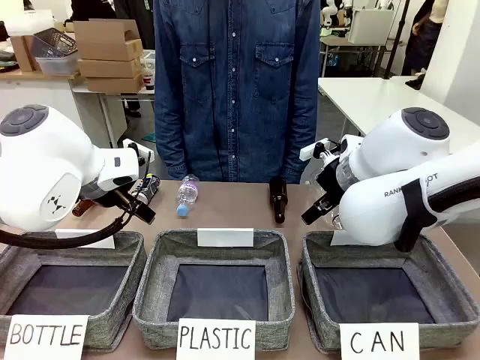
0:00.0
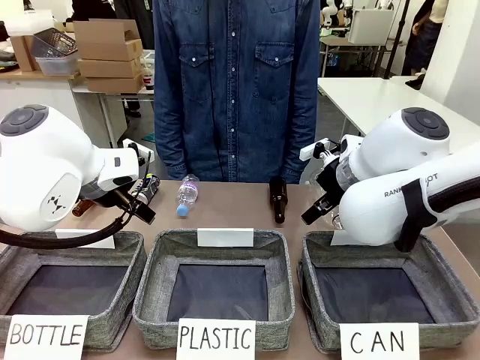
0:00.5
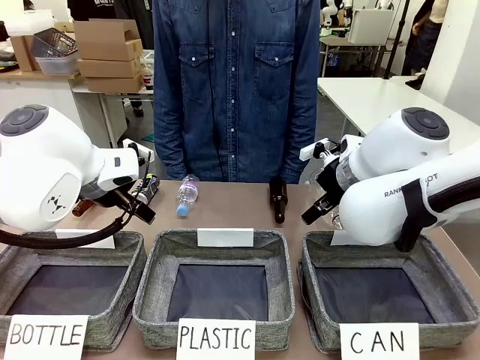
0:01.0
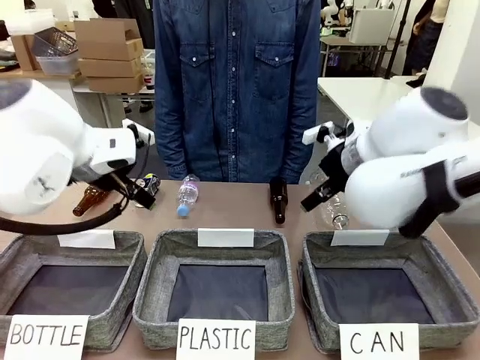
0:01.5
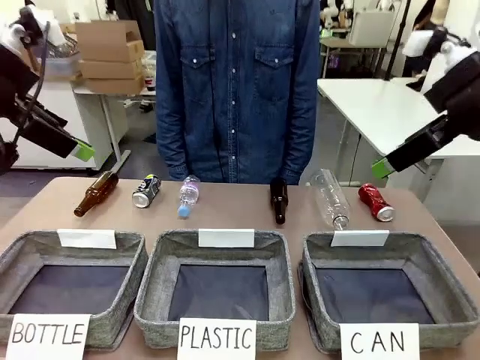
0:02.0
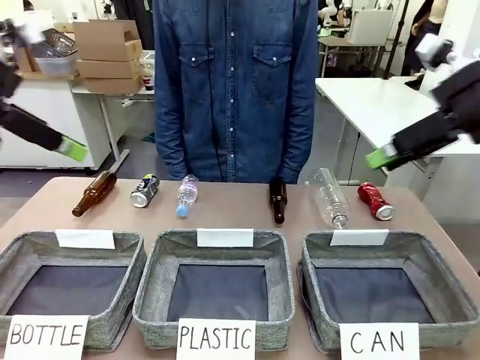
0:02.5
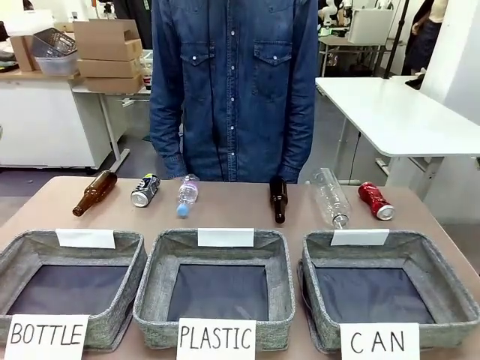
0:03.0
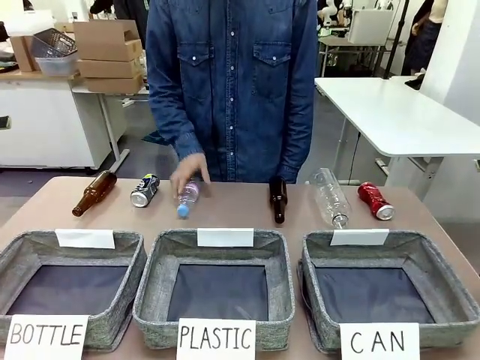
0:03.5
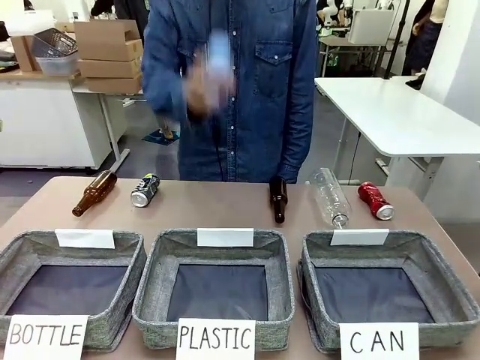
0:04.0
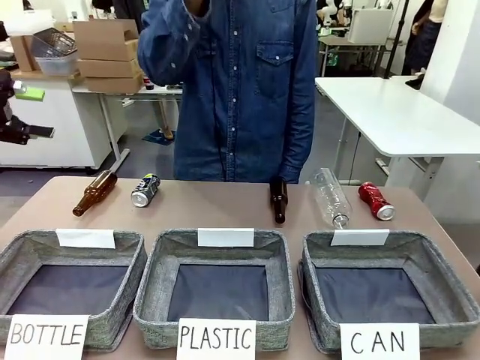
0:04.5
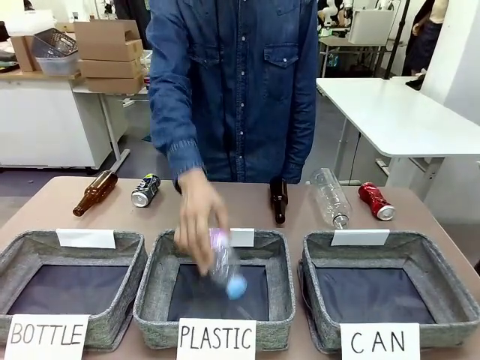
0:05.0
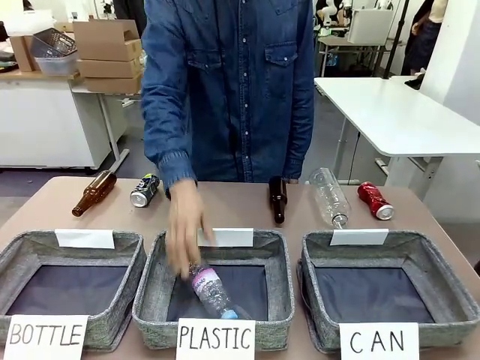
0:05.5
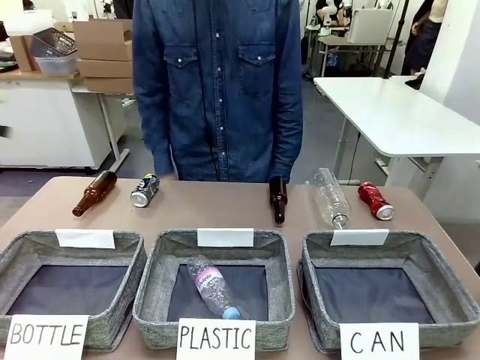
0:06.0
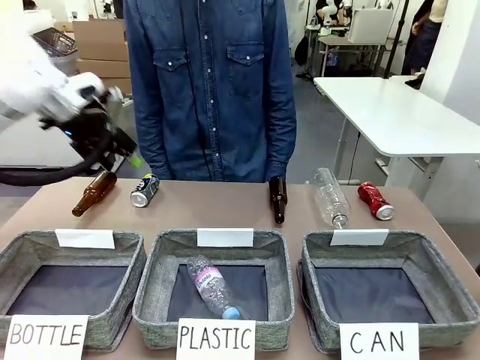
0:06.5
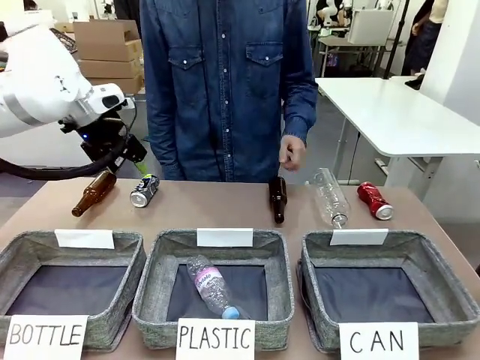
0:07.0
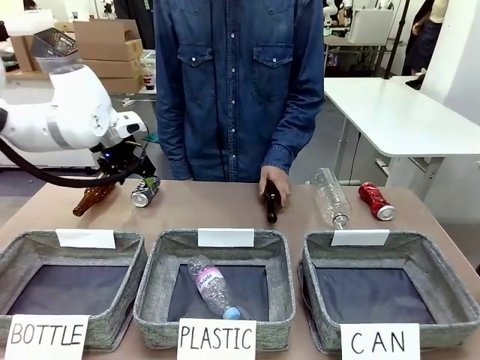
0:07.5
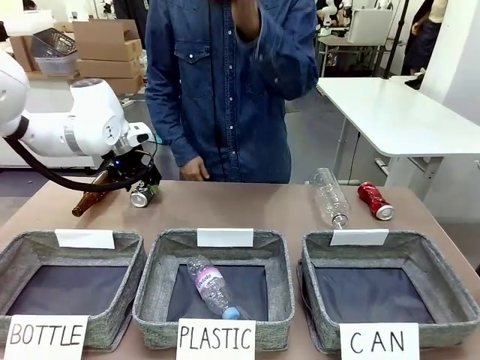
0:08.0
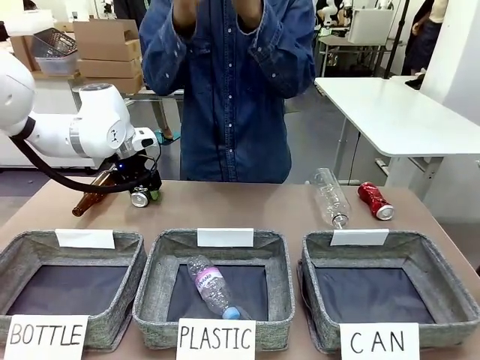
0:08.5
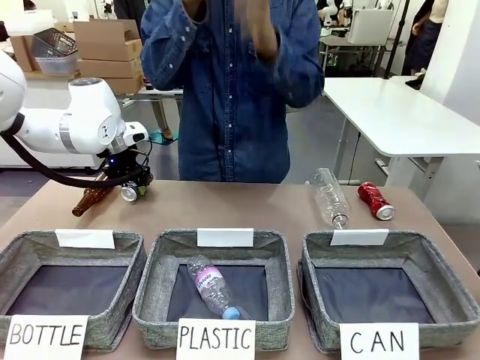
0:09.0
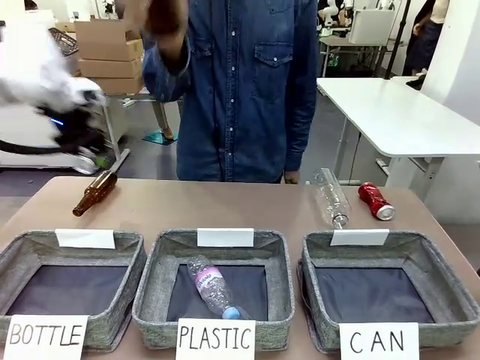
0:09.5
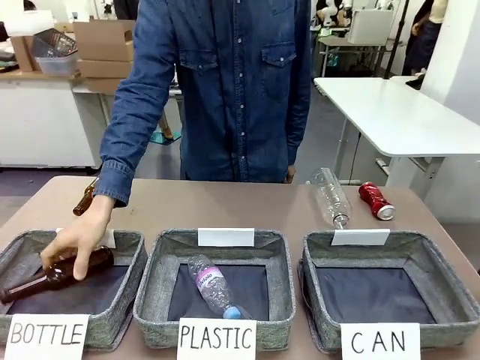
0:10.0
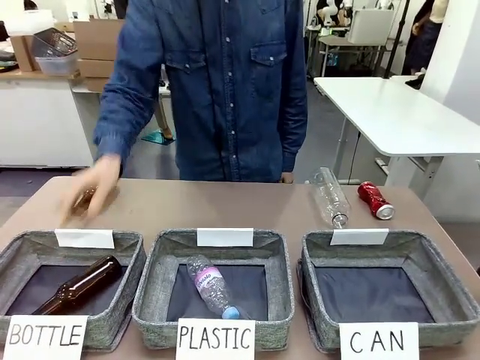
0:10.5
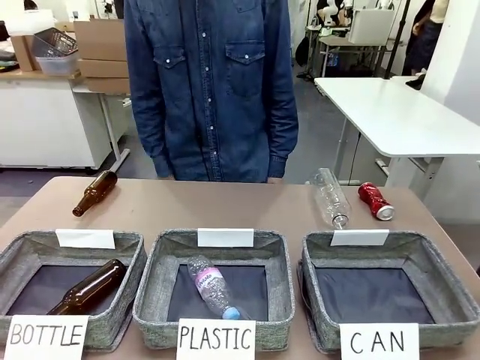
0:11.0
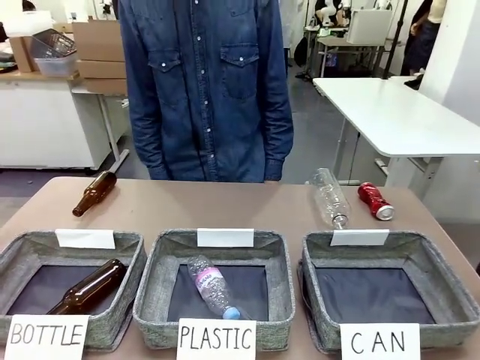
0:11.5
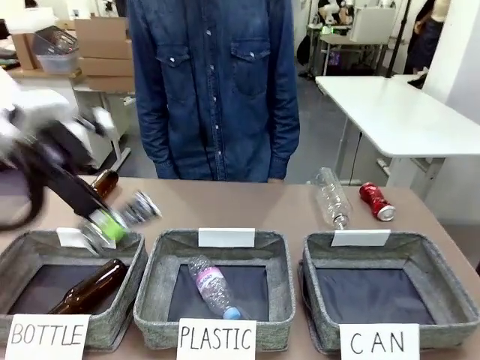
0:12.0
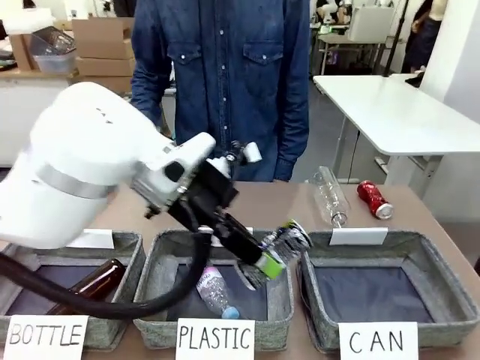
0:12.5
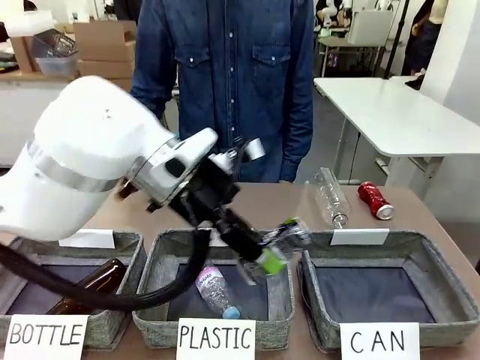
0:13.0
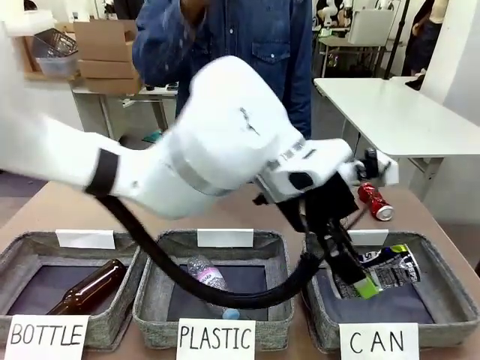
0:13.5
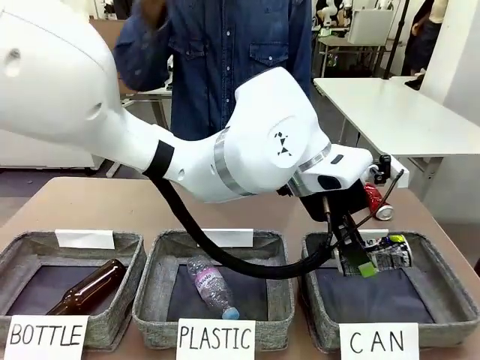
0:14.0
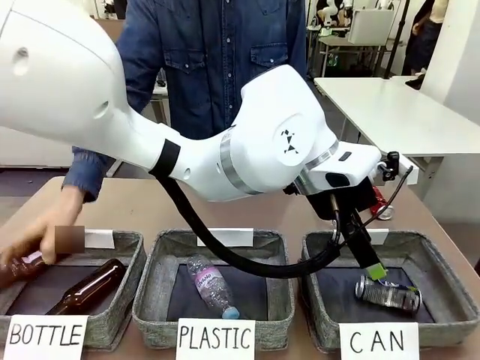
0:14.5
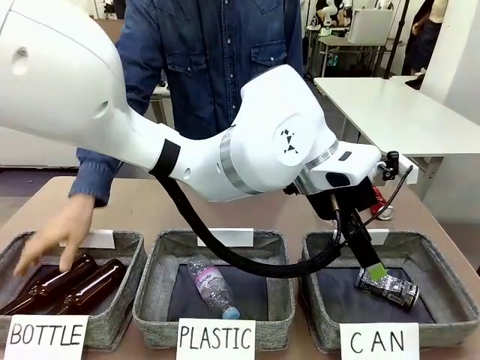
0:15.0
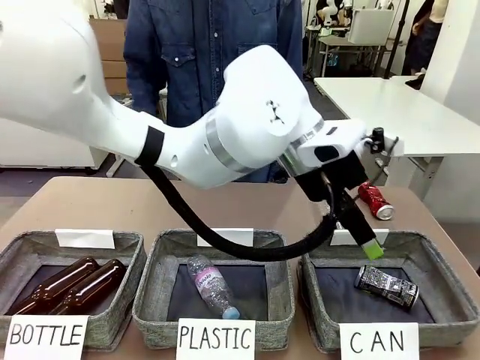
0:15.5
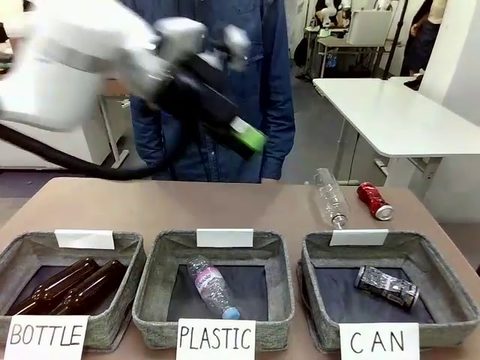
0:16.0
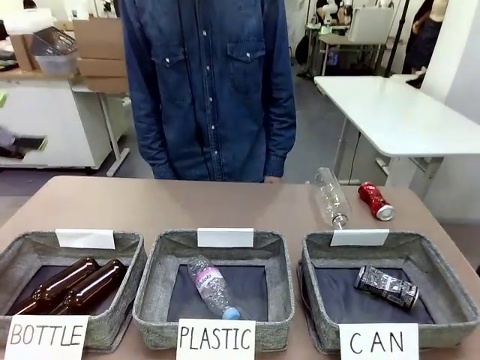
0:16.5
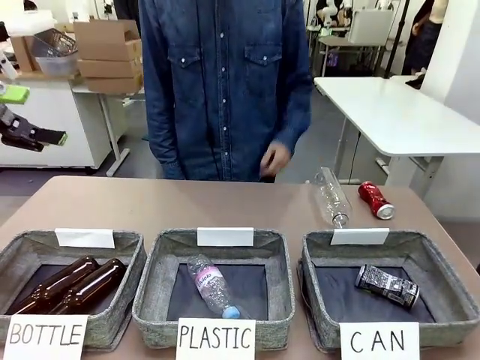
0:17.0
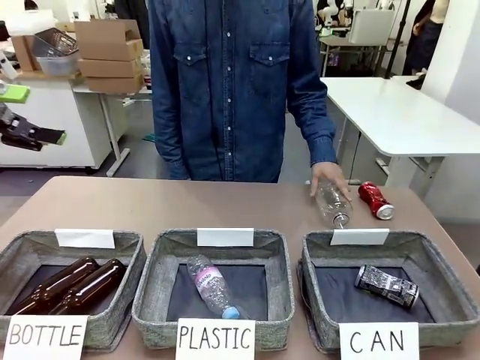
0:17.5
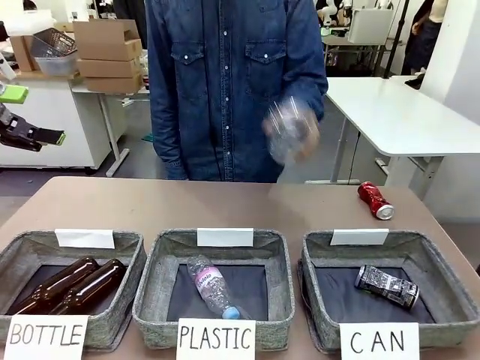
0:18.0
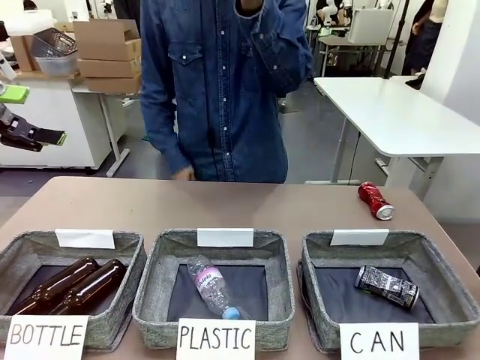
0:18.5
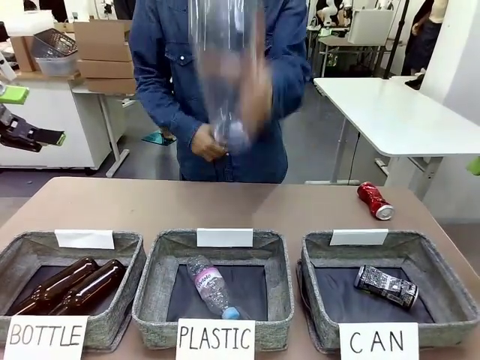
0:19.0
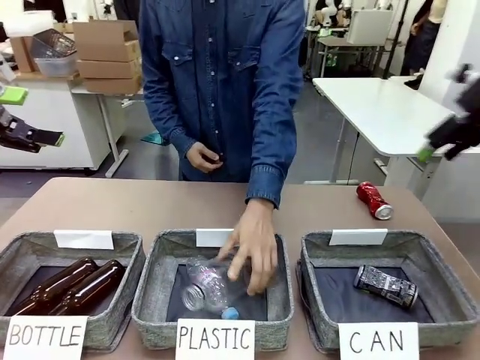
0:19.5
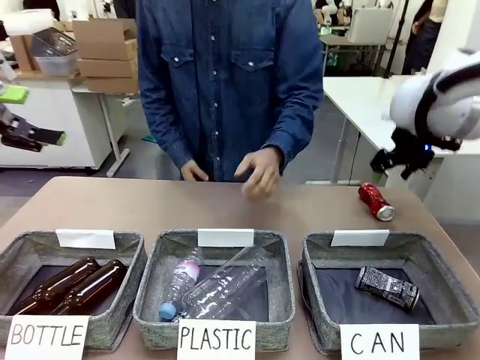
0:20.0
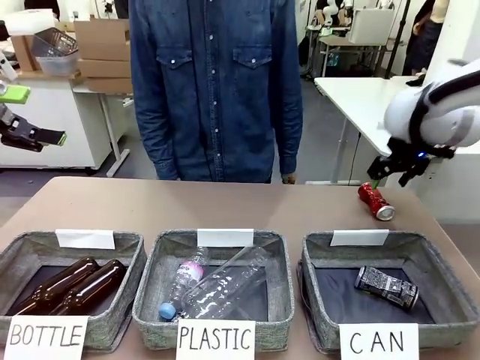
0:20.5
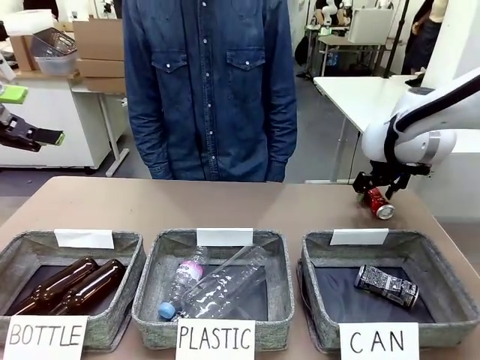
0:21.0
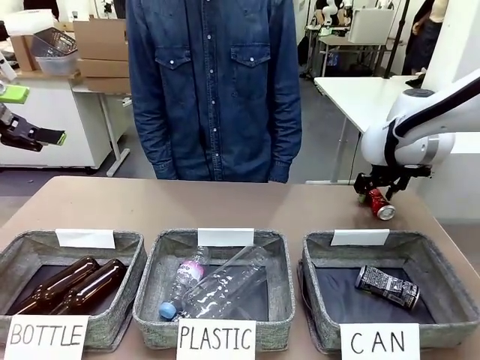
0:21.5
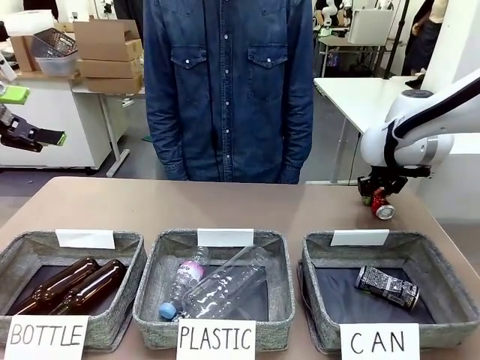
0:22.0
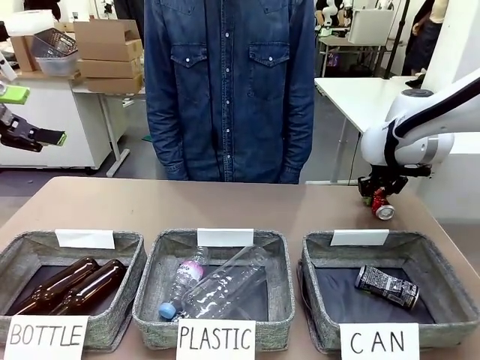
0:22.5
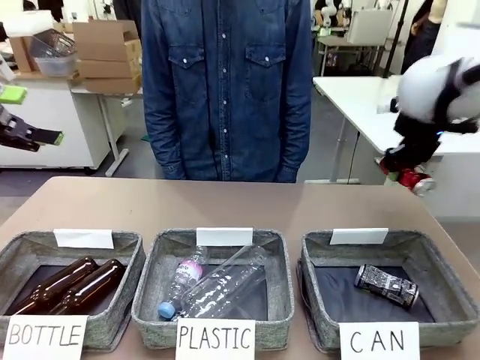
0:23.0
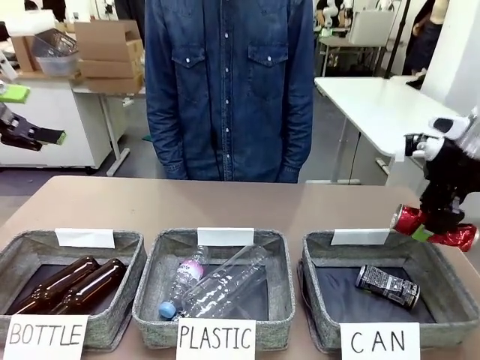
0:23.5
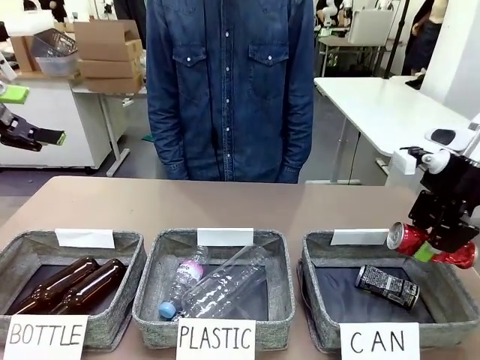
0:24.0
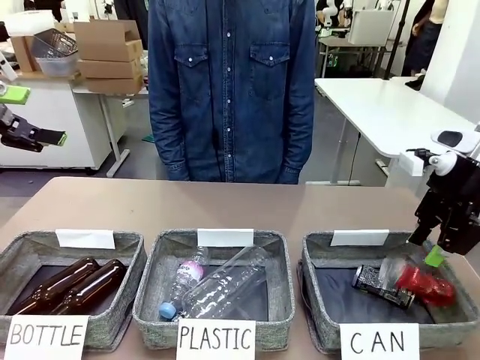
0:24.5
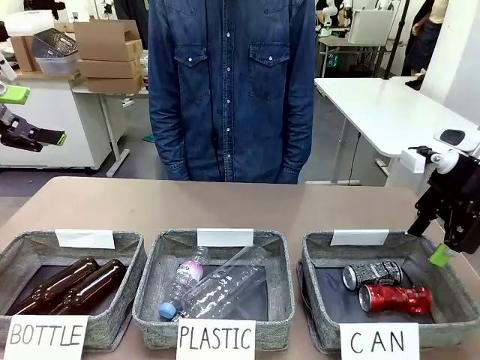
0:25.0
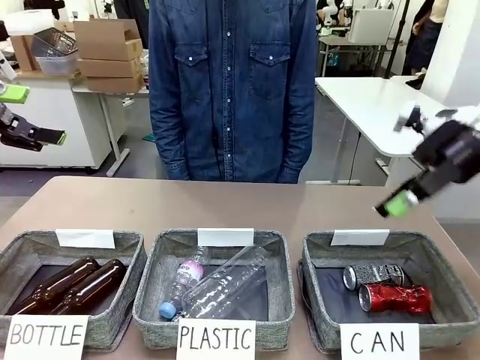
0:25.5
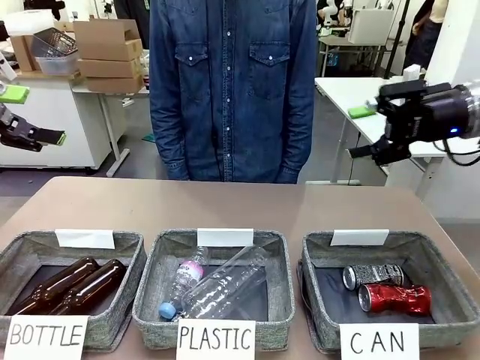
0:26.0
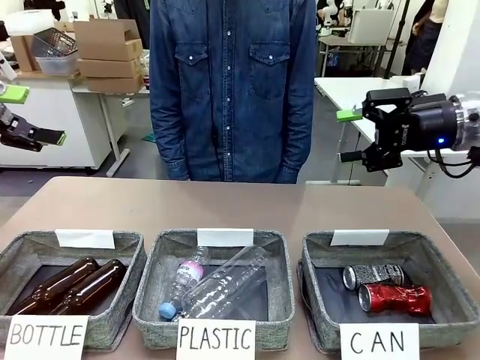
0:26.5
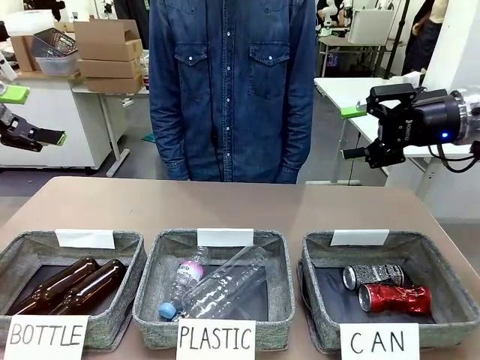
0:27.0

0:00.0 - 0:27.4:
Task: Sort the can waste into the basket.
Robot: Pick up the can waste from the table and place it in the right Fabric basket.
Person: The human picks up one piece of trash that is not a can and places the trash into the appropriate organizing basket.
